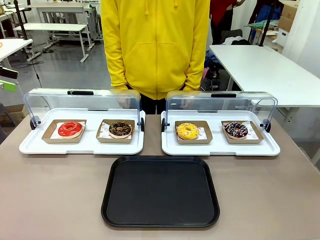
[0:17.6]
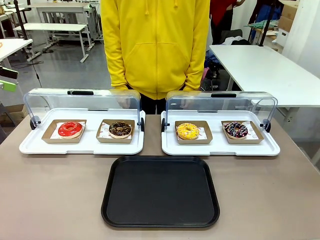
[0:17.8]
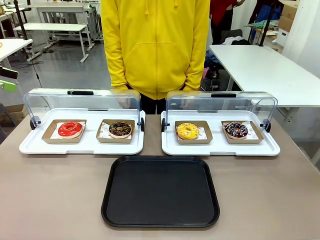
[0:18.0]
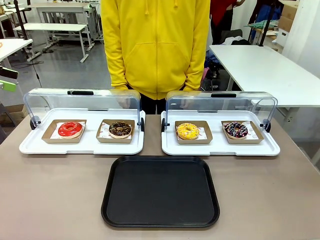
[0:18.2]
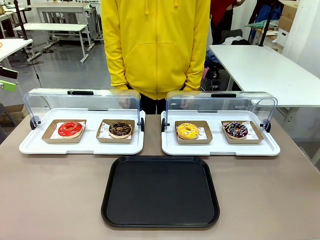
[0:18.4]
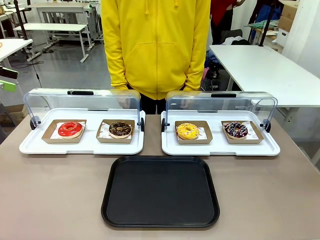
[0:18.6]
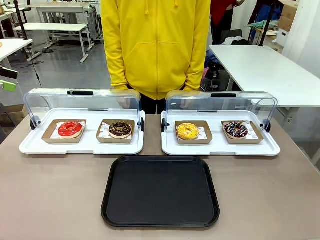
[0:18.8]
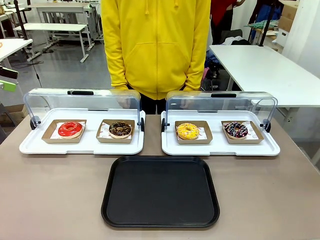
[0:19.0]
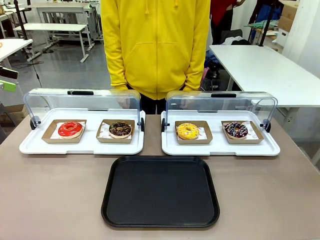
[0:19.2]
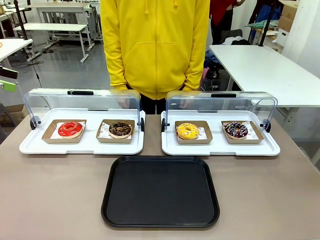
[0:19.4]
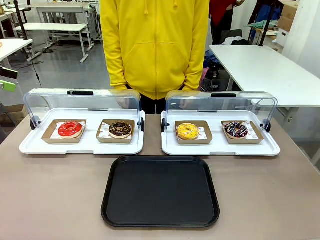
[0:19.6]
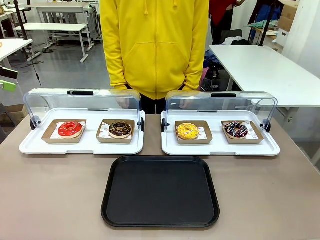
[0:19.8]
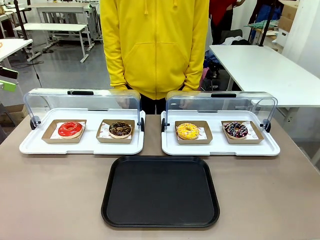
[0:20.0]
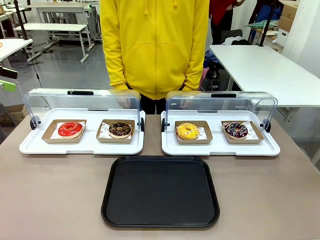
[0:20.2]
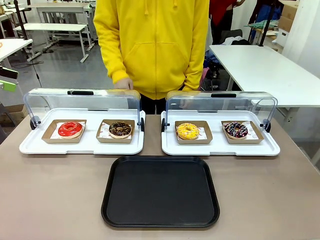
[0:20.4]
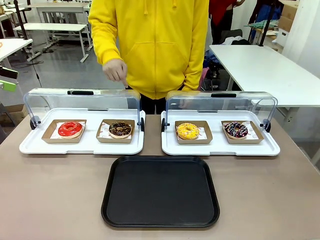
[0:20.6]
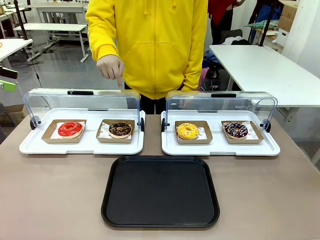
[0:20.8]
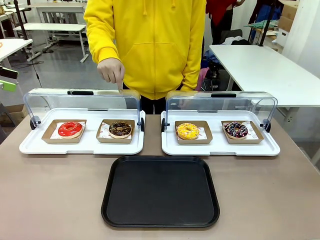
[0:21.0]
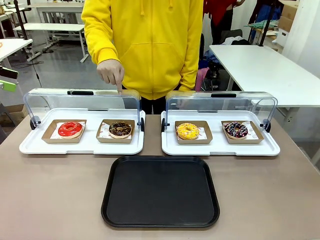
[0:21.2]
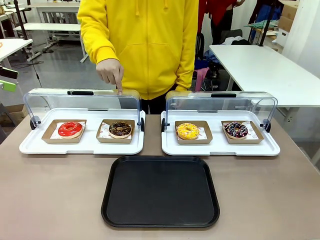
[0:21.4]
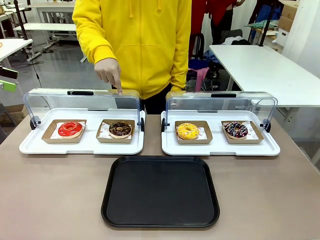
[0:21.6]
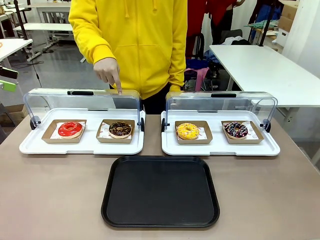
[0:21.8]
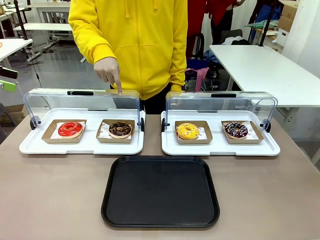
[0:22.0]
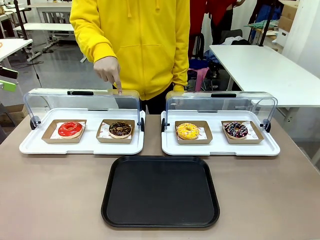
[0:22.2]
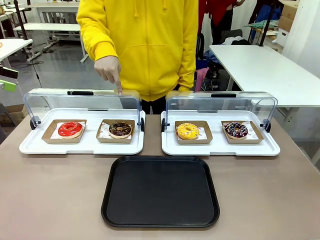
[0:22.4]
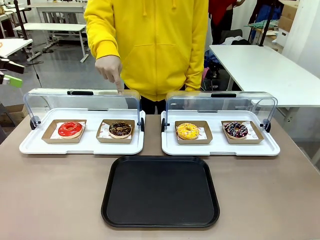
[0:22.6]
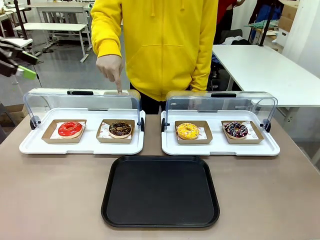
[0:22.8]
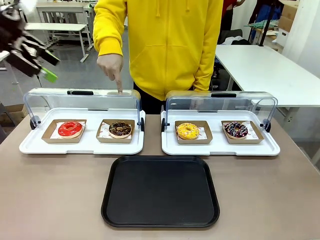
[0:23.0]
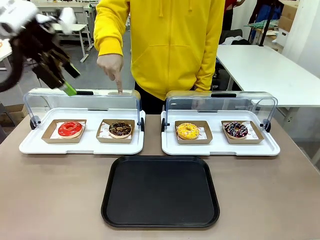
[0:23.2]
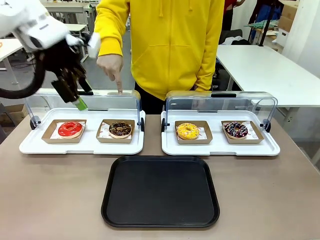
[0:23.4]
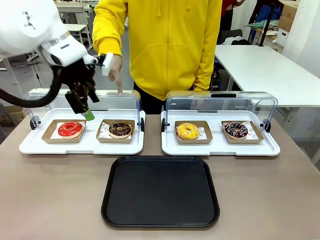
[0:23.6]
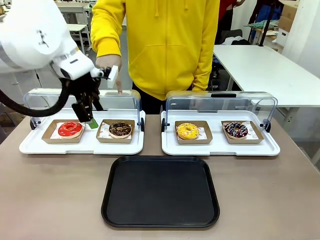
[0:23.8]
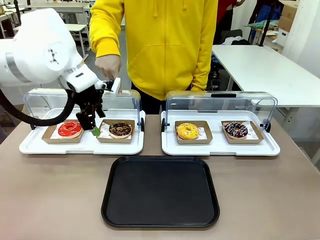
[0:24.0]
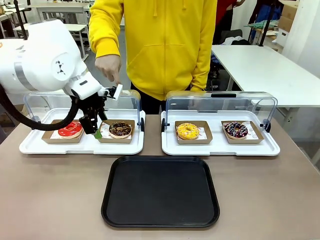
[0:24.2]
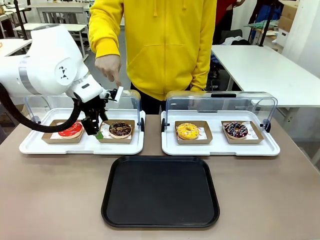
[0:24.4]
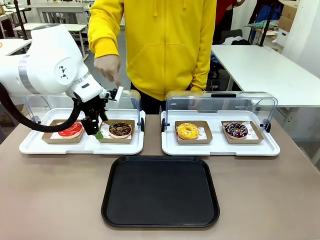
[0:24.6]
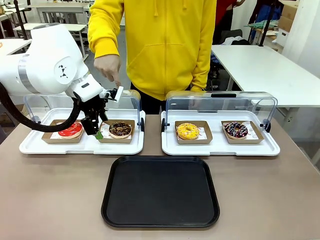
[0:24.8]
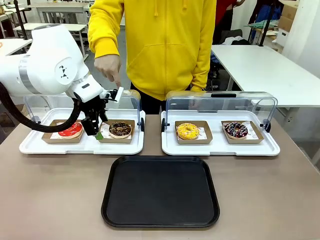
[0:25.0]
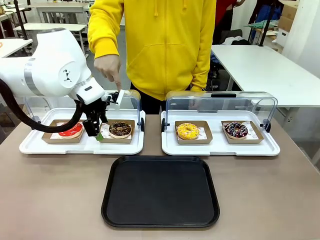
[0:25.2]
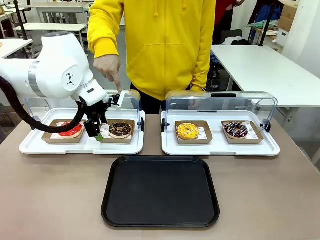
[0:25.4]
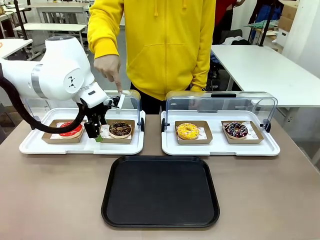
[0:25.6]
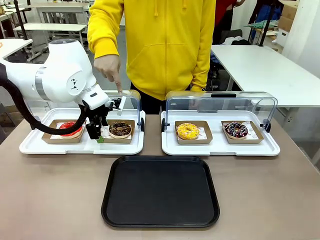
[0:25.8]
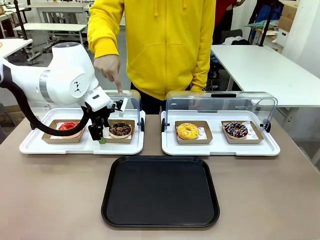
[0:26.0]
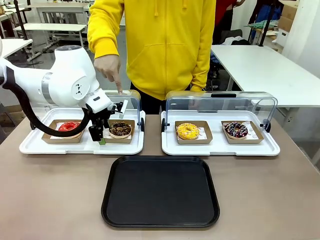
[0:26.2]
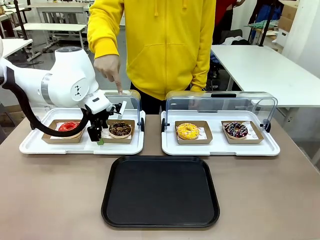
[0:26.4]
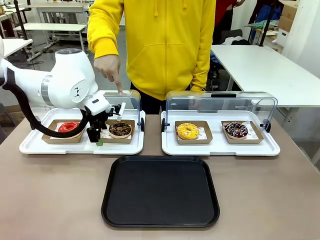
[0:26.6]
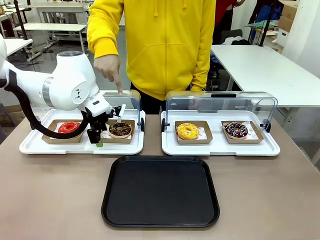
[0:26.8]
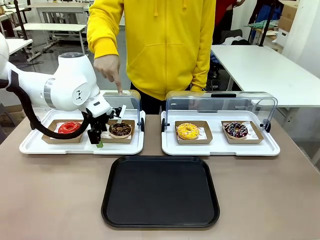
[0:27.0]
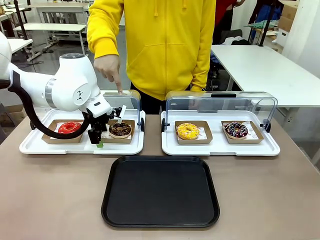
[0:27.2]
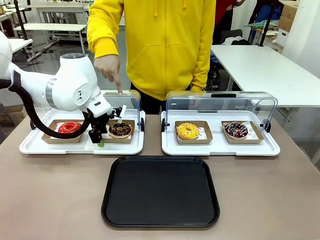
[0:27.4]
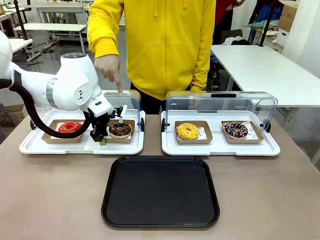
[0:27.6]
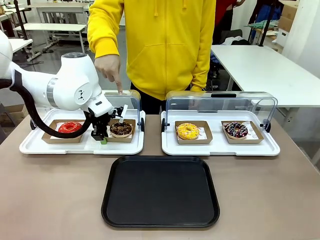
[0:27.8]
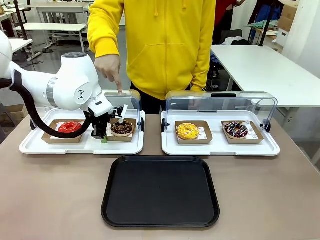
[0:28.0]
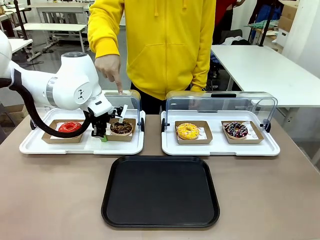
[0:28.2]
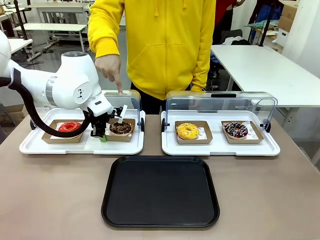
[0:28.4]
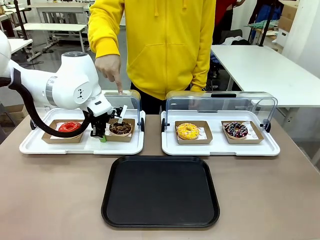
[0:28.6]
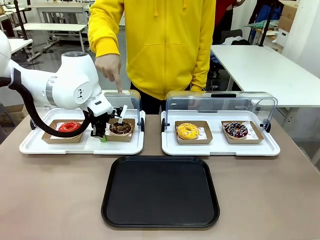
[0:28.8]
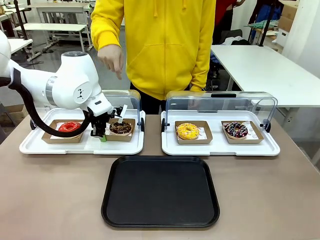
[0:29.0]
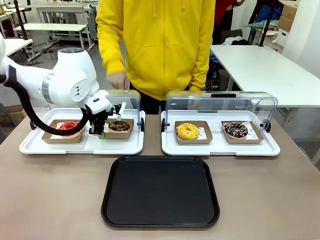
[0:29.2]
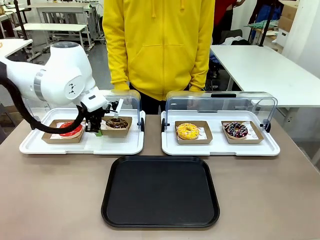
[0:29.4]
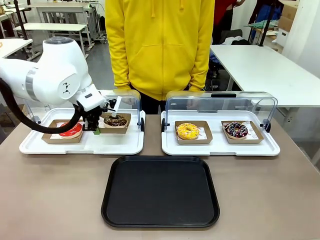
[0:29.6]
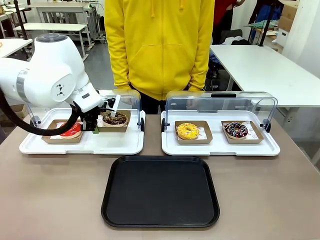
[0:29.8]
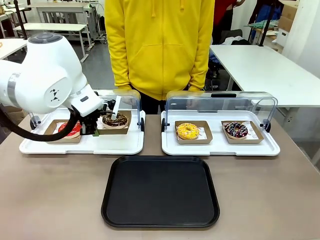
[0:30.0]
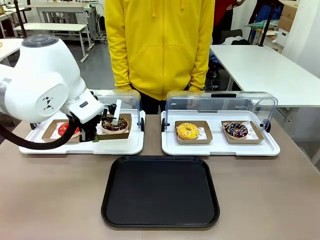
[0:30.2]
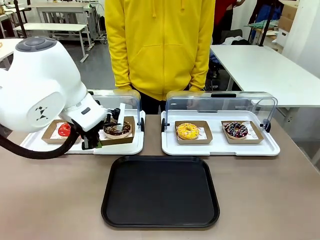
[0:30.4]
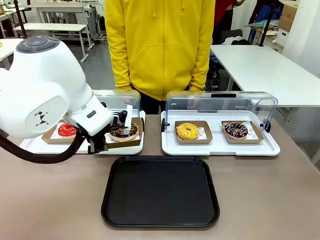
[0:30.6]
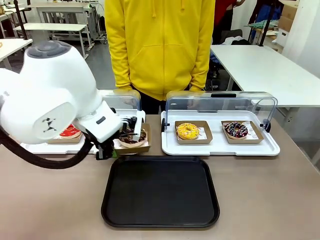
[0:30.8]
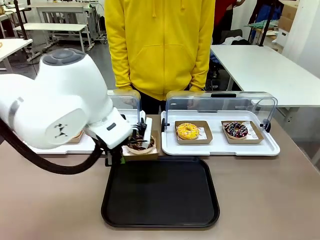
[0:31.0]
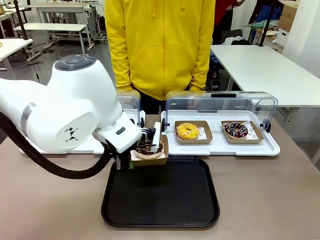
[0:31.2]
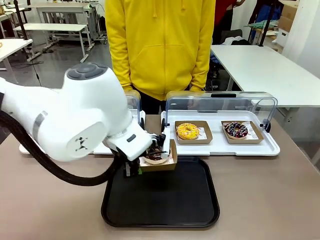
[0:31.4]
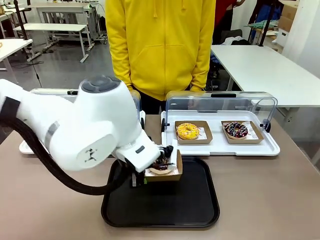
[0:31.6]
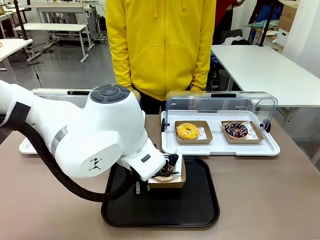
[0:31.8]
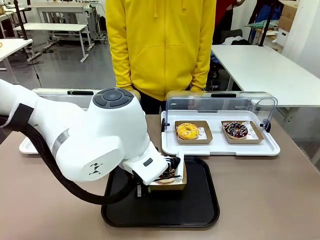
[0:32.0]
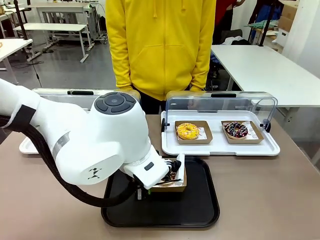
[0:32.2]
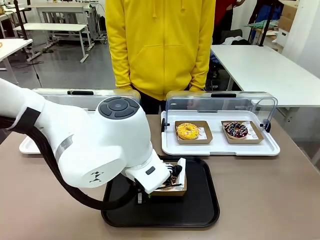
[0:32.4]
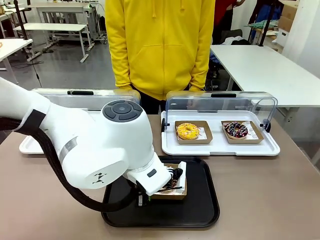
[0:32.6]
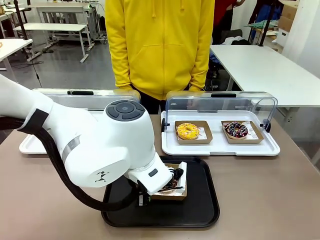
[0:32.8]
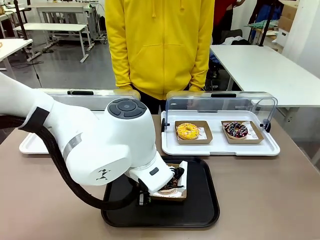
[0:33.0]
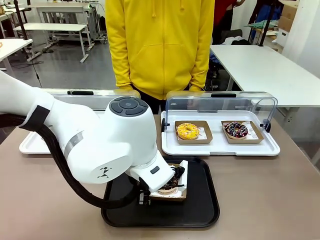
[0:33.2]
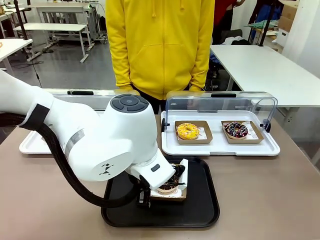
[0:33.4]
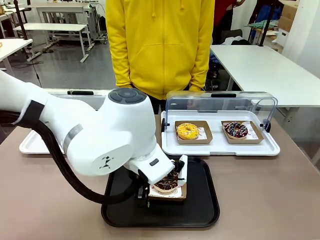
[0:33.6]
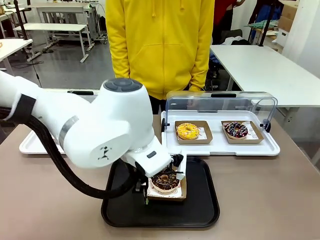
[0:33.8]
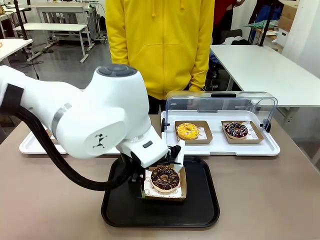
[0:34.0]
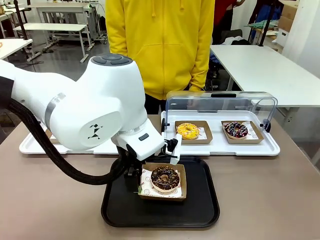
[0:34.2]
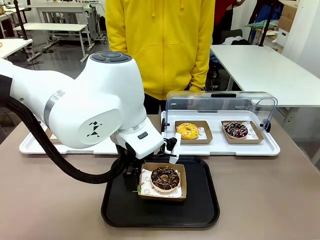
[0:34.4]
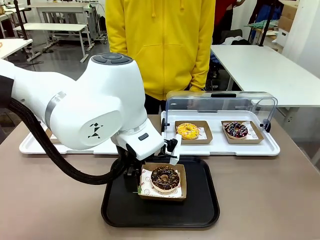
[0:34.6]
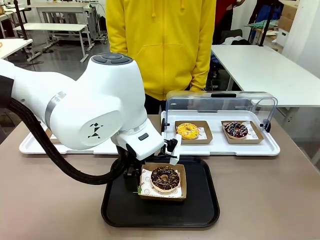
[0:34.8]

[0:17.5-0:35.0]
Task: Move the second donut from the left to the tray.
Robot: Pick up the Paper togo box containing the Donut indicated by the person and place it on the Handle tray.
